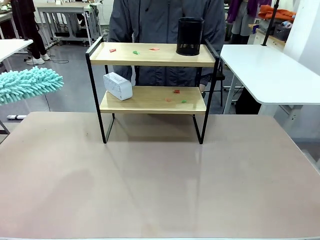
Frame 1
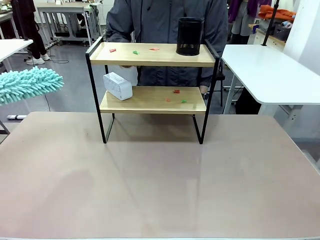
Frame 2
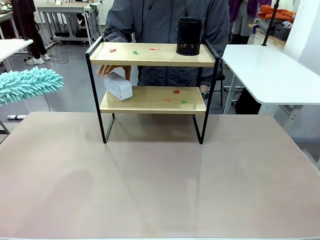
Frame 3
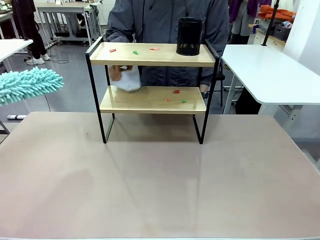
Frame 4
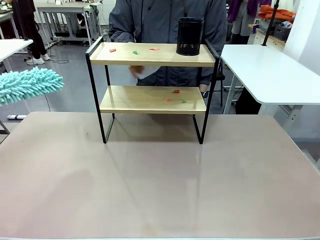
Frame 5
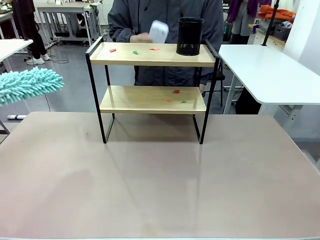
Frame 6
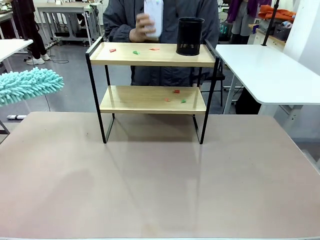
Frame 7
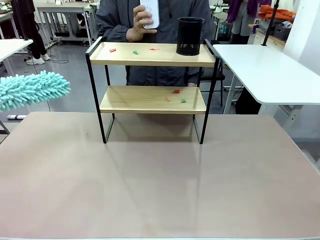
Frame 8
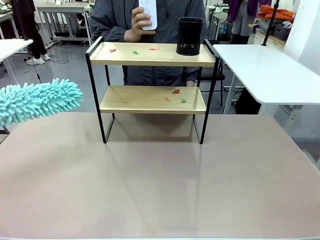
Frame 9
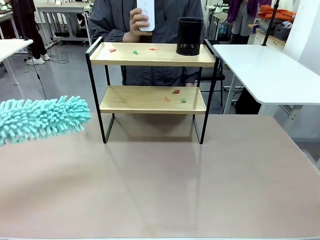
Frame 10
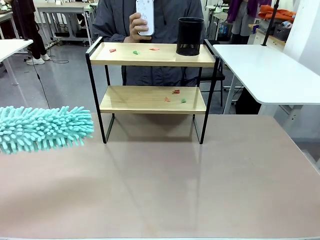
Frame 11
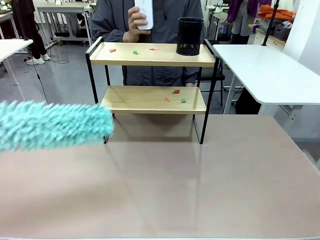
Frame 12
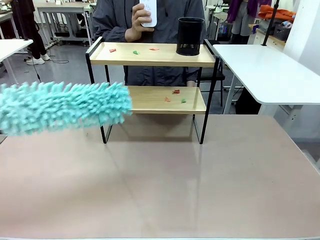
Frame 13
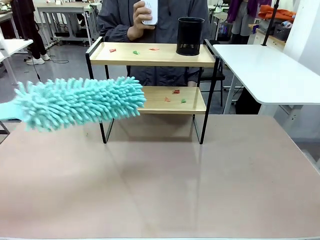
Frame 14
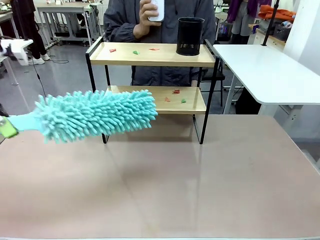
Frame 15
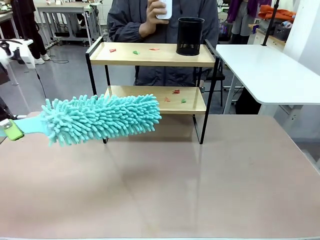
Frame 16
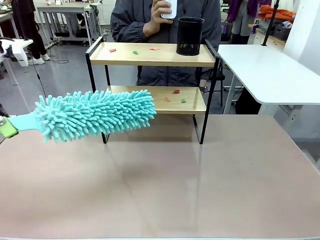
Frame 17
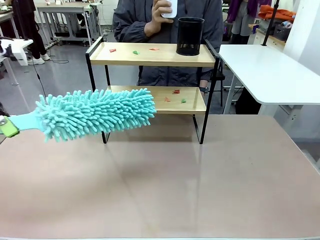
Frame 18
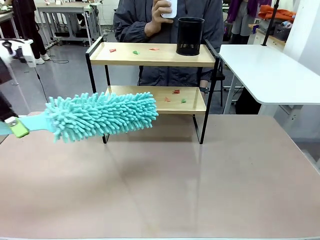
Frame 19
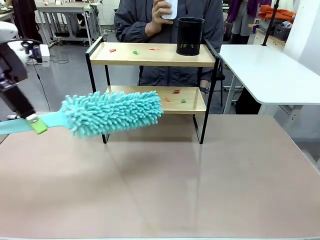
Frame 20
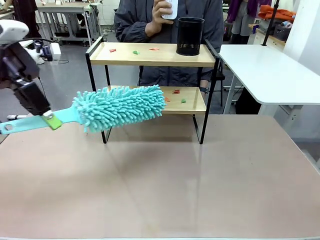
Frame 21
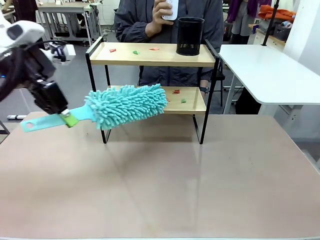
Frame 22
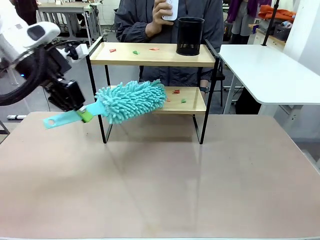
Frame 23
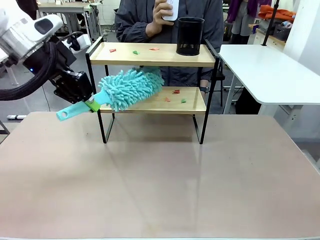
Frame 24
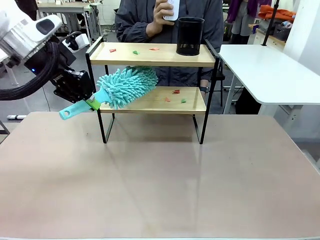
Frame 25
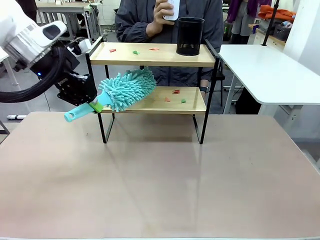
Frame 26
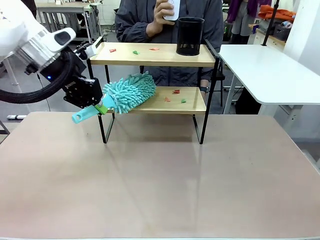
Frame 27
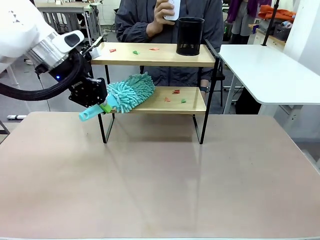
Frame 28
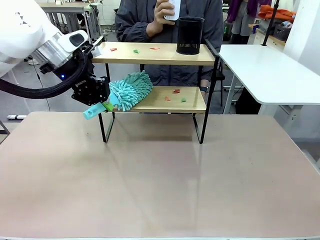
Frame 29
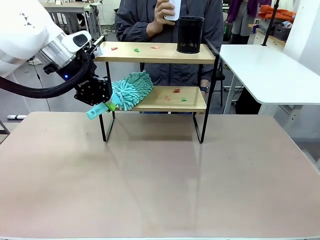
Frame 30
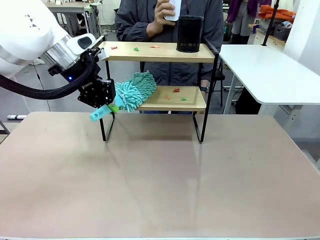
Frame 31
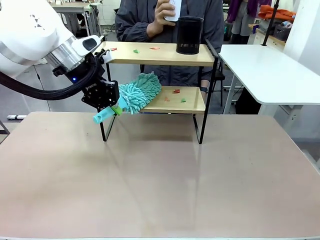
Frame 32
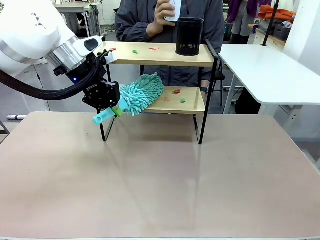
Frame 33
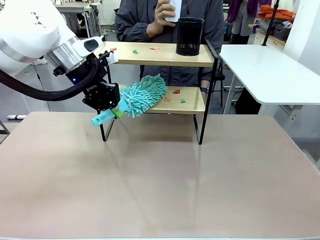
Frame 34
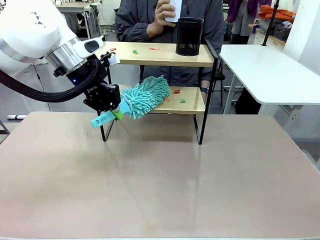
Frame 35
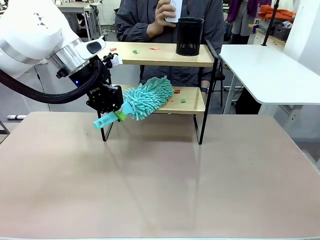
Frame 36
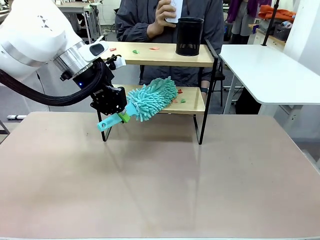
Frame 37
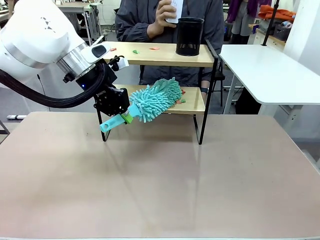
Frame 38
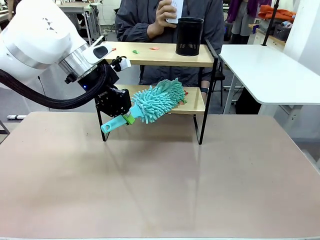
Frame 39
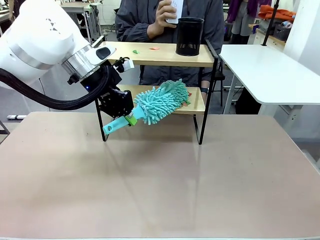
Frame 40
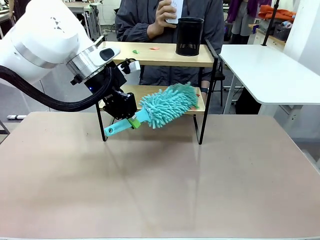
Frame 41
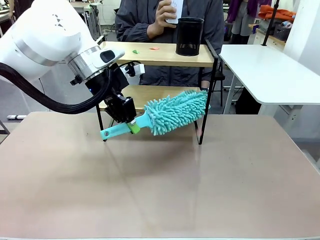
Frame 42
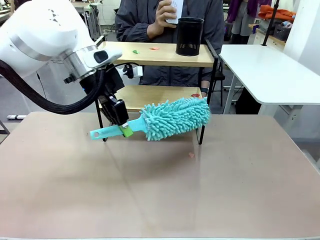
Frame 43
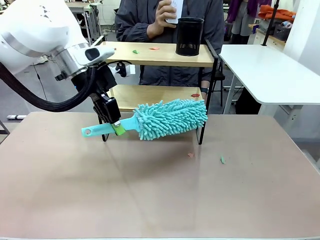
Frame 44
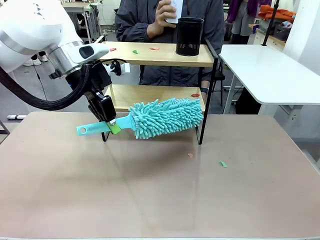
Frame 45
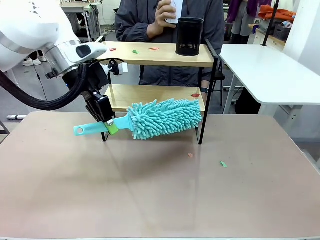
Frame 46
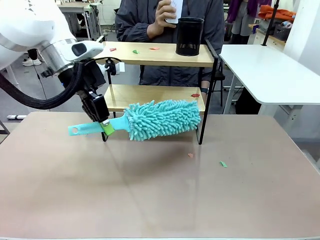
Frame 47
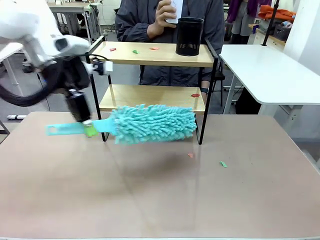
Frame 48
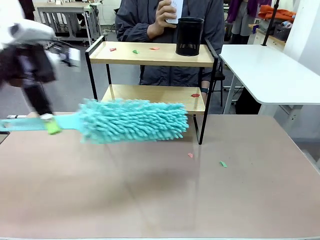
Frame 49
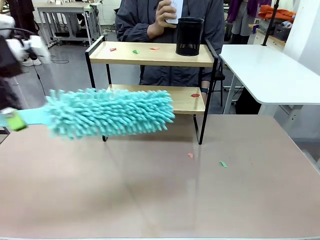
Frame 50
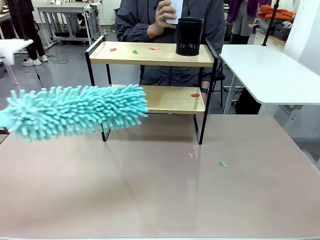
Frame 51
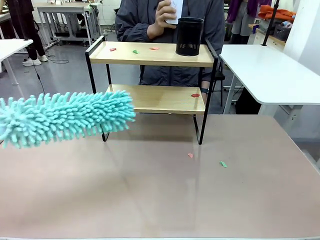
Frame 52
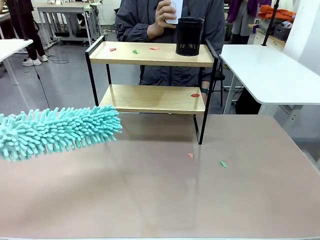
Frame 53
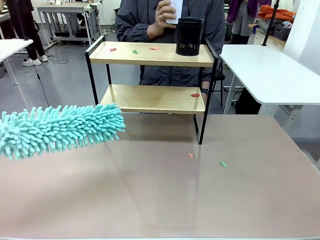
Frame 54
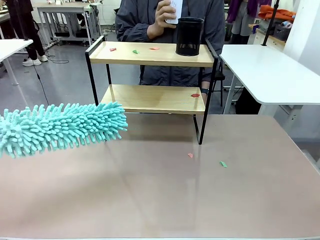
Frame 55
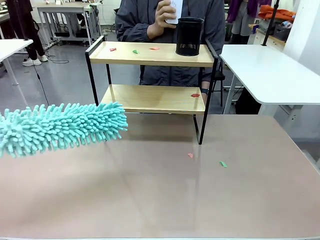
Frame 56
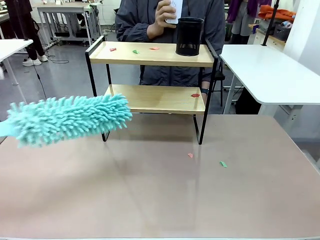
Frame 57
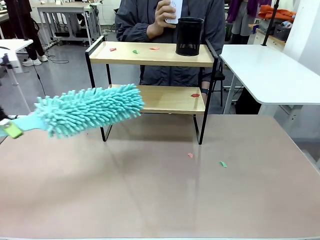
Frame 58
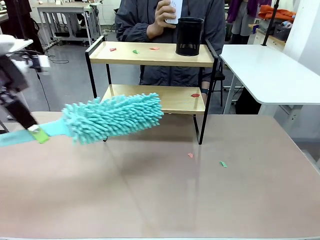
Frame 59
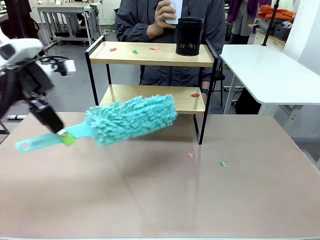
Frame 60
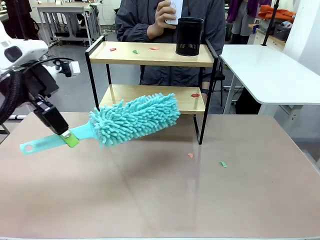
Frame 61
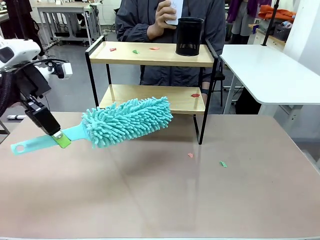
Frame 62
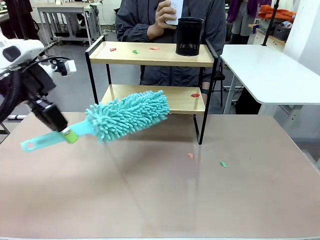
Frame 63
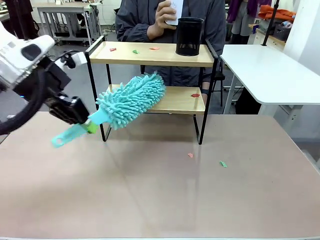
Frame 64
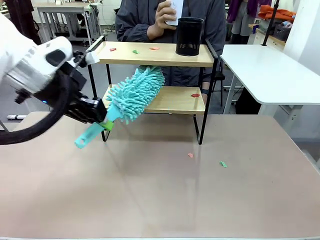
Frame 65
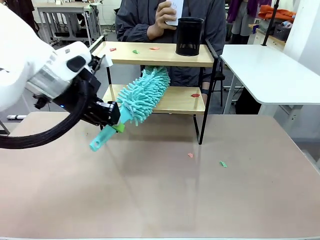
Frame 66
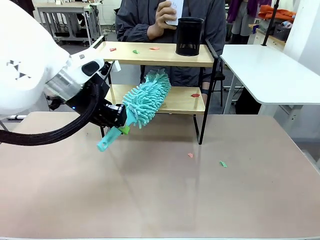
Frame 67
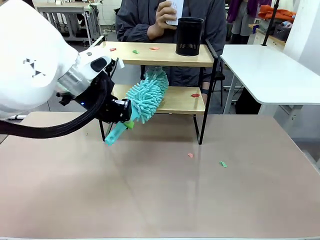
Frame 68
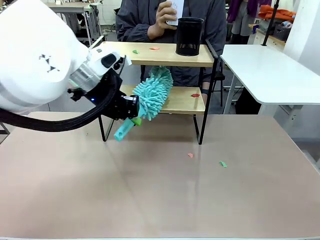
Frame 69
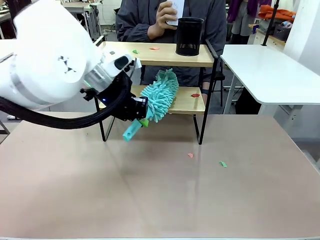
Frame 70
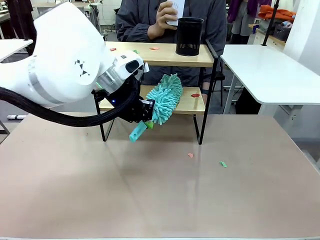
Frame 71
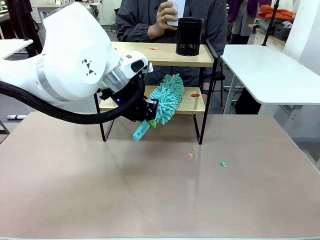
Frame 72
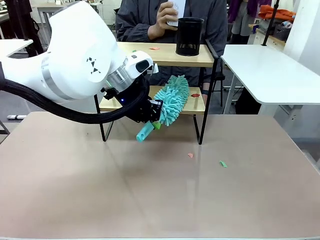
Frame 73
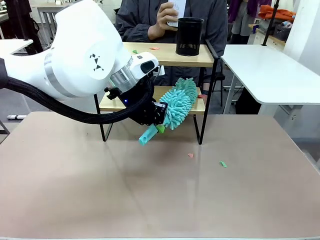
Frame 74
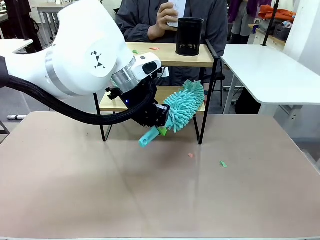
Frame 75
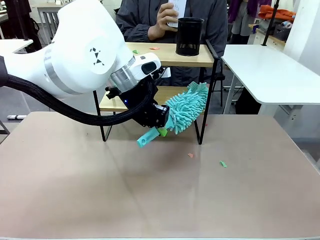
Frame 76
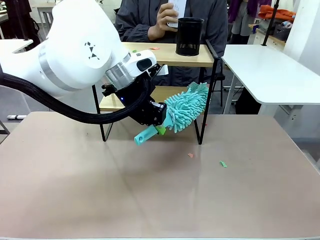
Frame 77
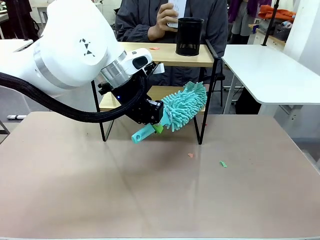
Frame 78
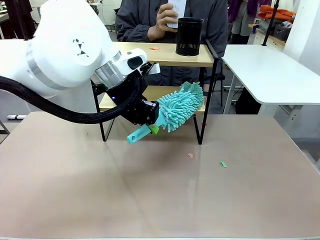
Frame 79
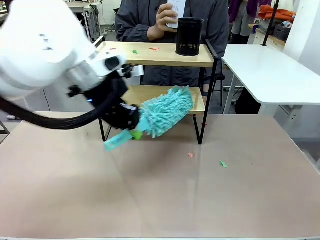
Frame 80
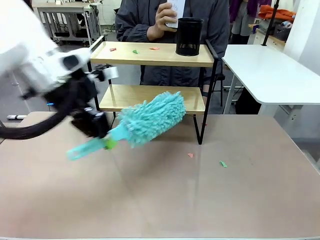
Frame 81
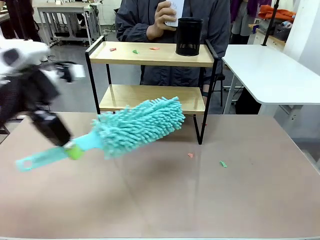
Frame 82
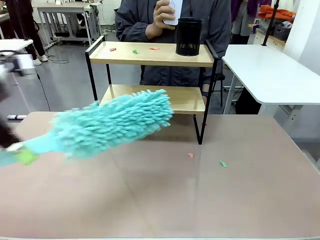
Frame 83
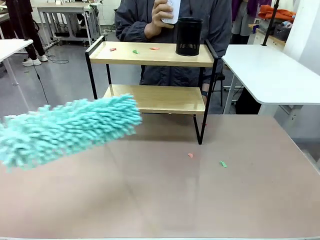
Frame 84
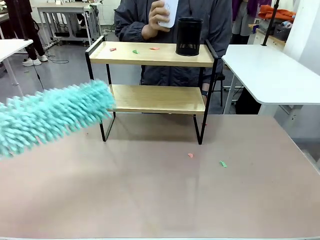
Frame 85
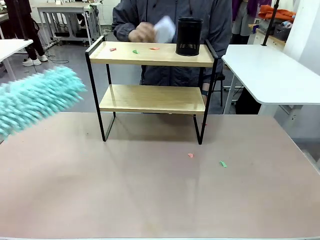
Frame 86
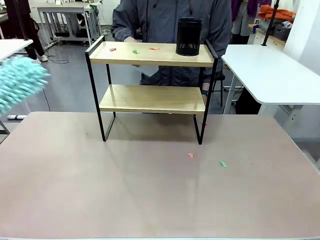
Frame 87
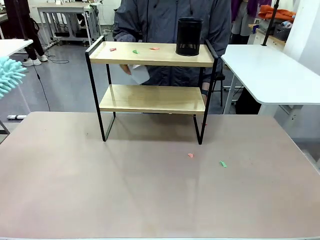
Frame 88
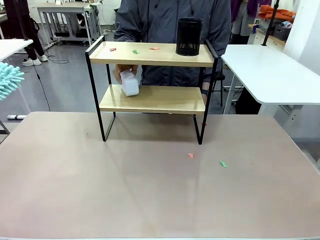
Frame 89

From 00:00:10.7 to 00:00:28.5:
Task: Clean the shelf.
Robot: Clean the specific tier of the Shelf with the Duster once objects are removed.
Person: Lift the objects on a randomly selected tier of the Shelf. Once the robot finishes cleaning, lift the objects on the remaining tiers of the Shelf.
